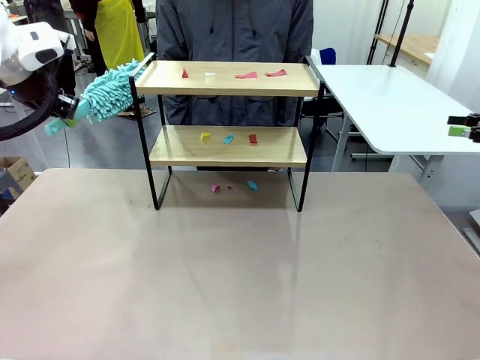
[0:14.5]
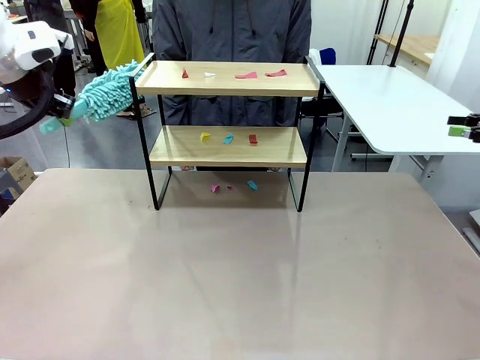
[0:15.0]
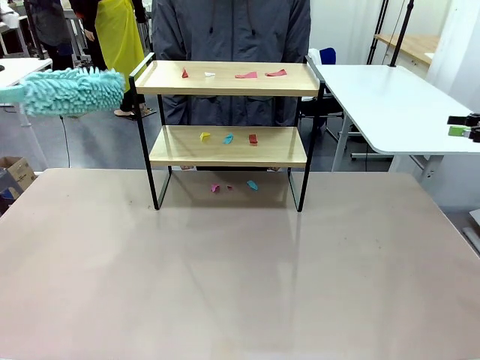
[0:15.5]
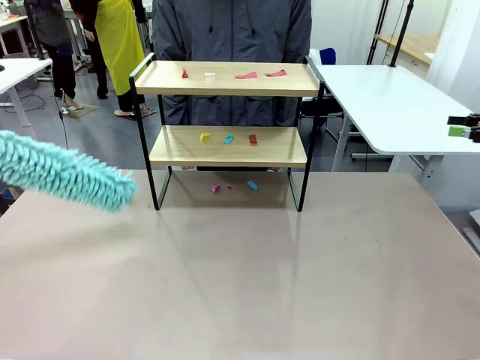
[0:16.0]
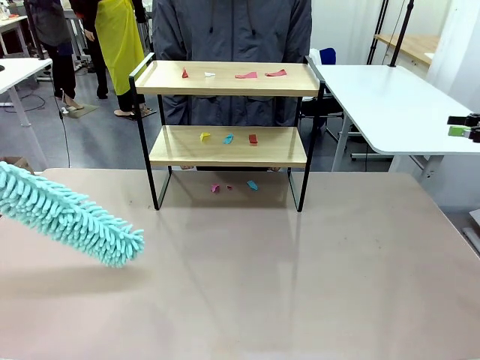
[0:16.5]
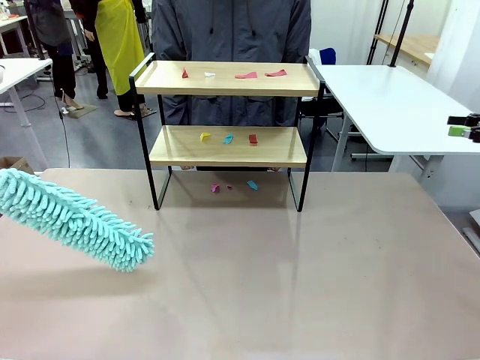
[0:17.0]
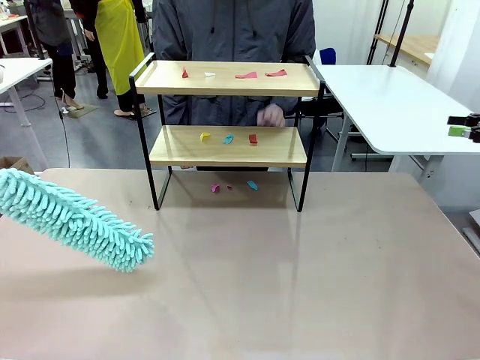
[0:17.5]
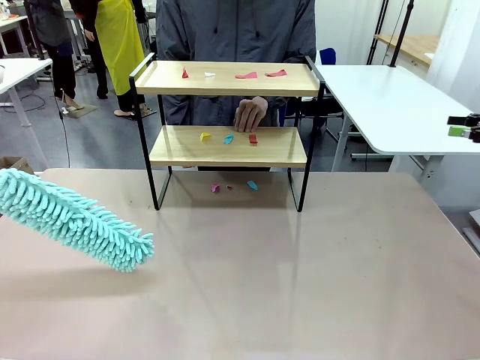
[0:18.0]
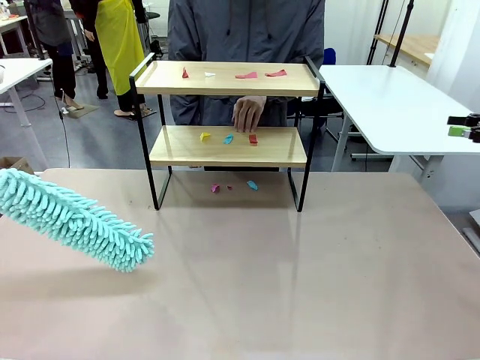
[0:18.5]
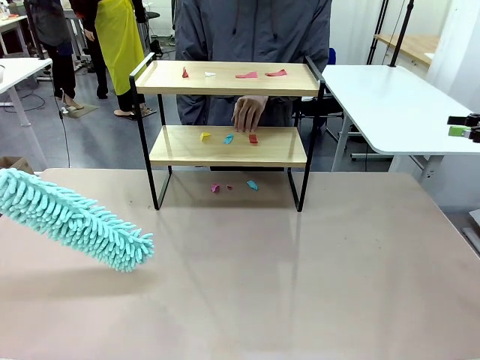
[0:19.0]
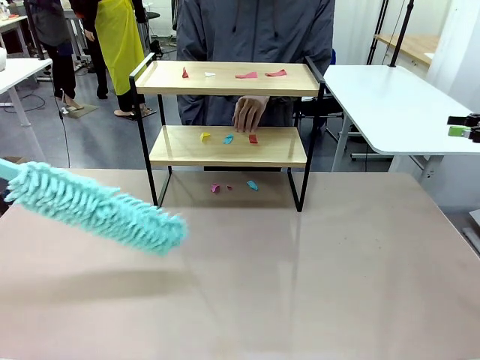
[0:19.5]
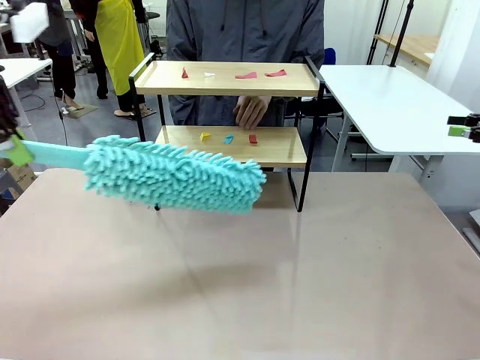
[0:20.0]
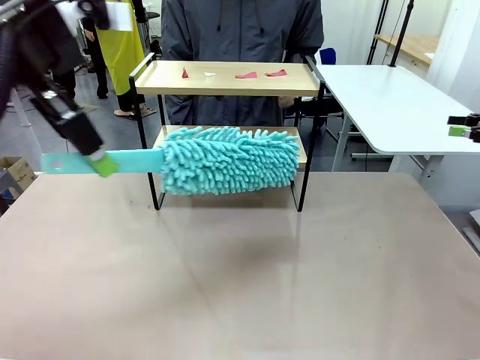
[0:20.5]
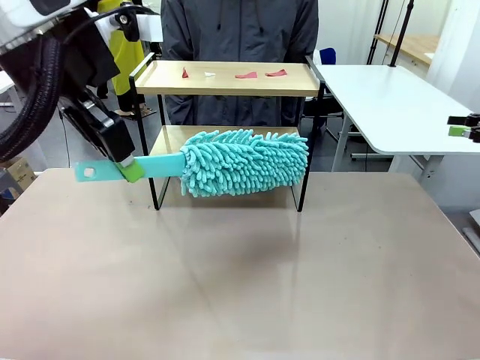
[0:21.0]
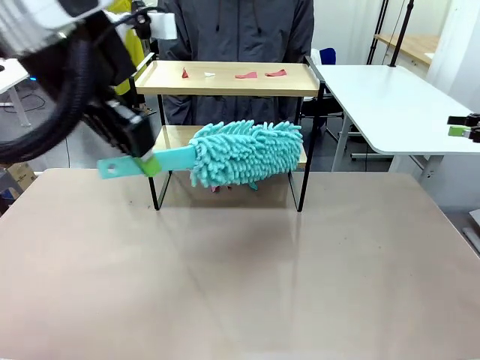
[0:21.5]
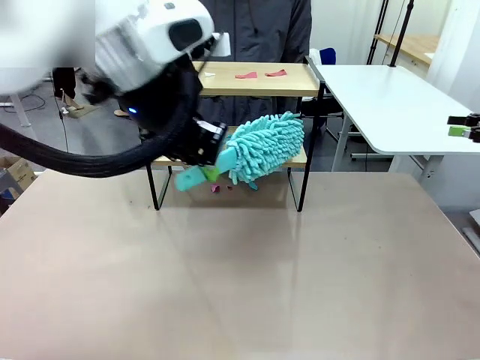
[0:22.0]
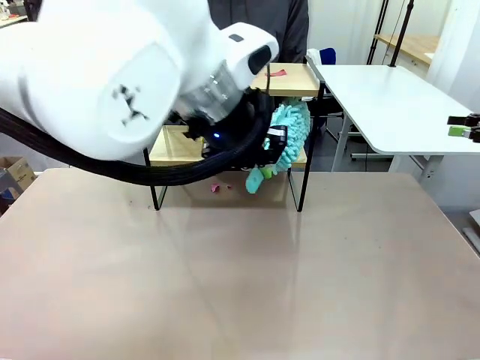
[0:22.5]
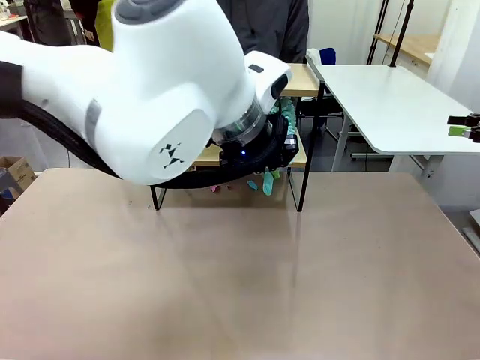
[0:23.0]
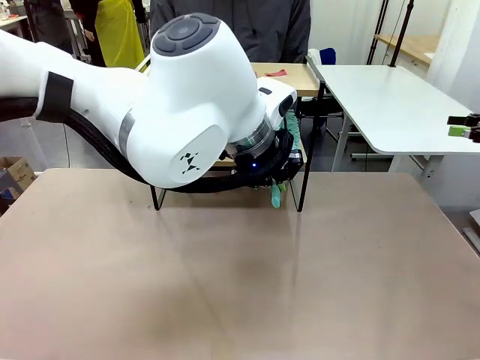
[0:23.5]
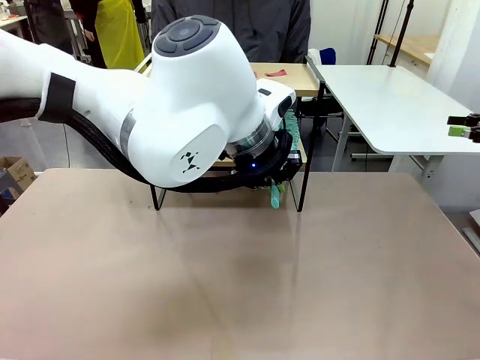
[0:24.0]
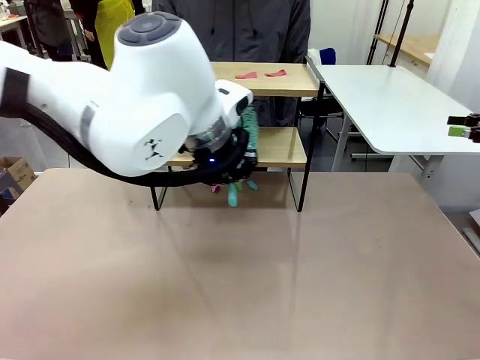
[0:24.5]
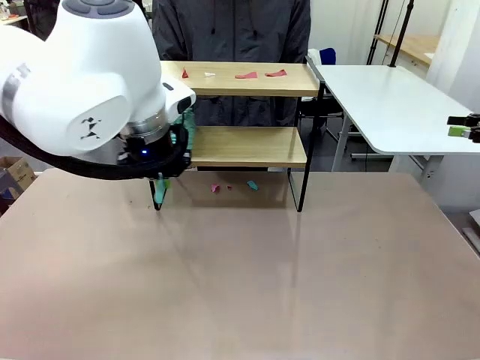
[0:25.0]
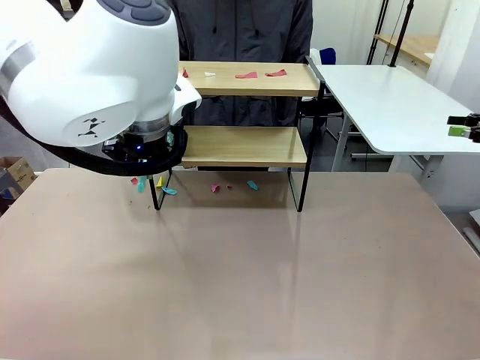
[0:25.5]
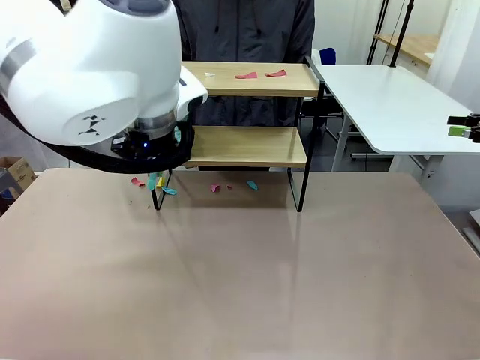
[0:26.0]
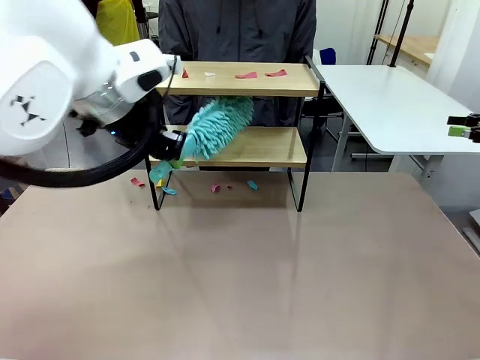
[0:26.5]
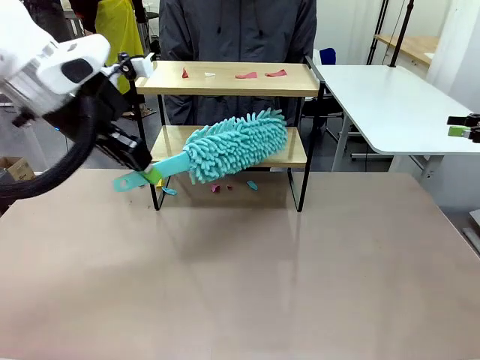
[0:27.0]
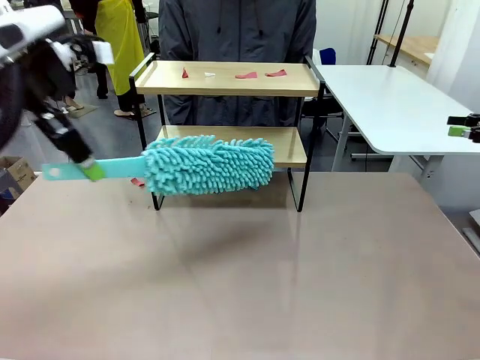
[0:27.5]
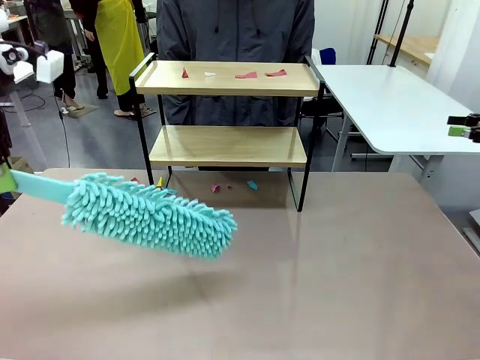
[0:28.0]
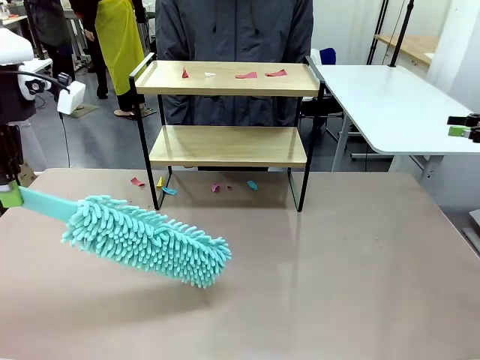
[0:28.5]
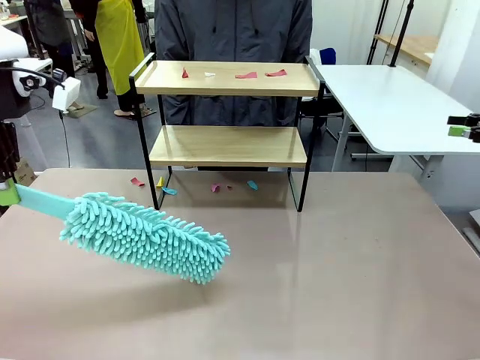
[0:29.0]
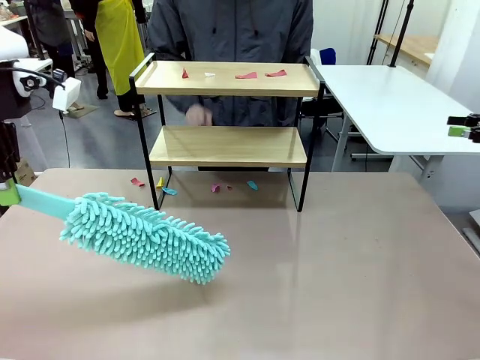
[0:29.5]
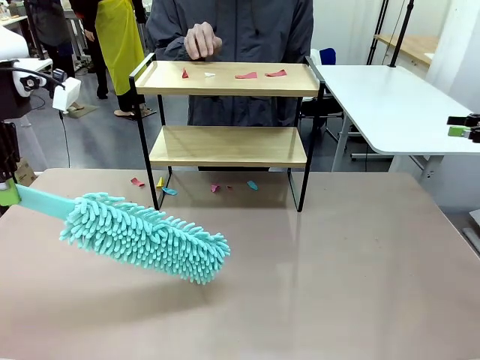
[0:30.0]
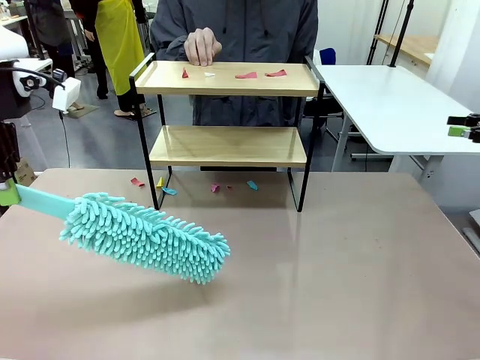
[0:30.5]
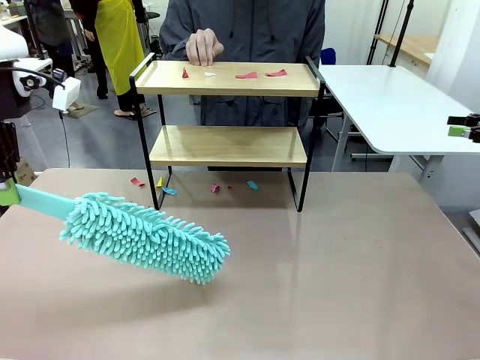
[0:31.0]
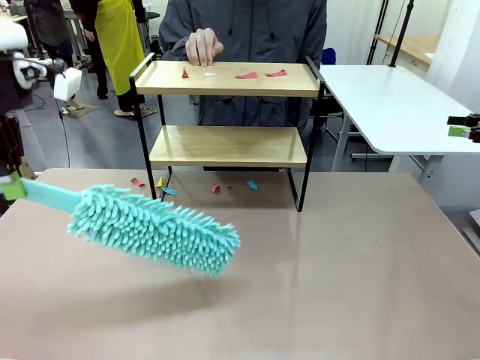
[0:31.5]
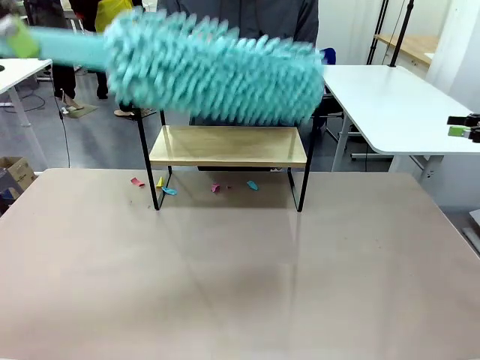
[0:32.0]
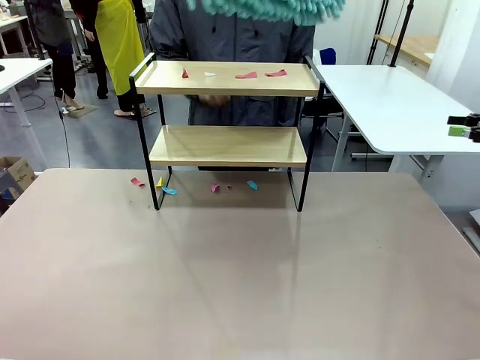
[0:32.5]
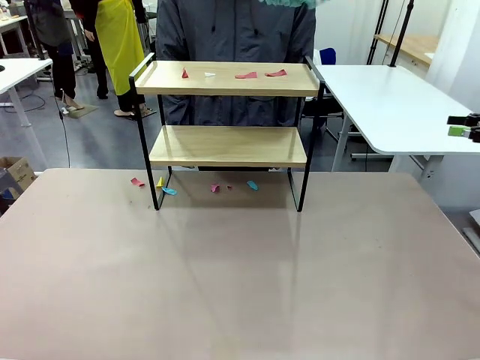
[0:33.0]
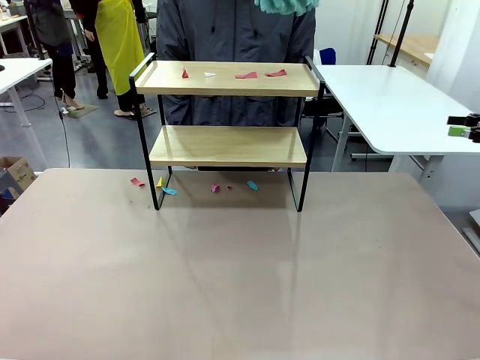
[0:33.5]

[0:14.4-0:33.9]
Task: Clean the shelf.
Robot: Clean the specific section of the Shelf indicated by the human with the Duster.
Person: Point a random section of the Shelf.
